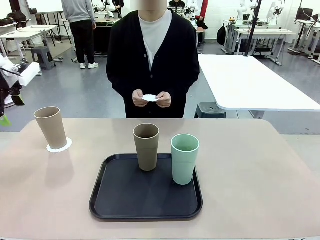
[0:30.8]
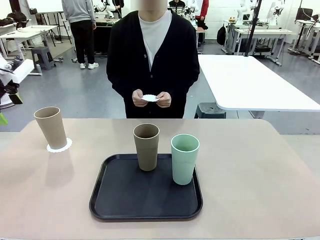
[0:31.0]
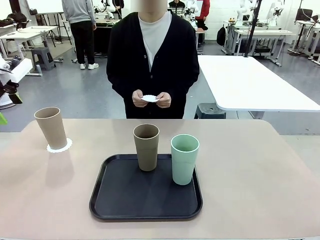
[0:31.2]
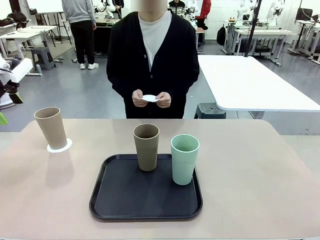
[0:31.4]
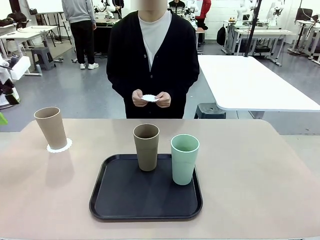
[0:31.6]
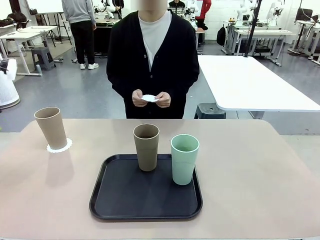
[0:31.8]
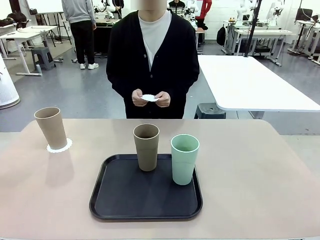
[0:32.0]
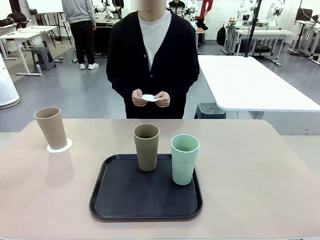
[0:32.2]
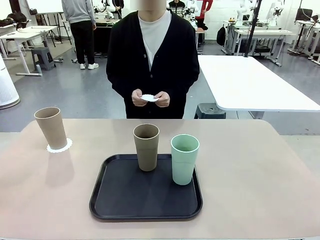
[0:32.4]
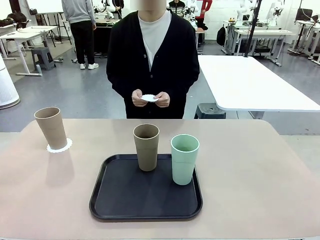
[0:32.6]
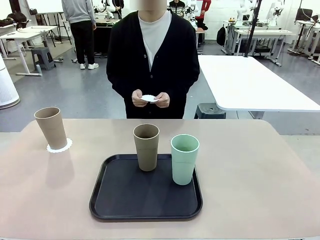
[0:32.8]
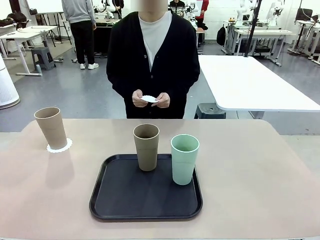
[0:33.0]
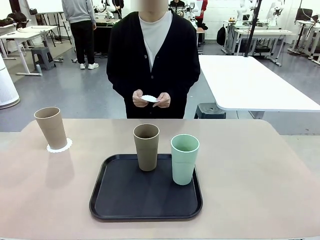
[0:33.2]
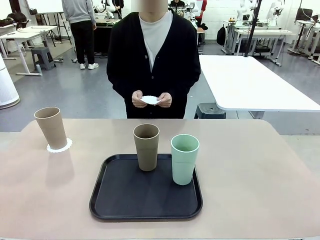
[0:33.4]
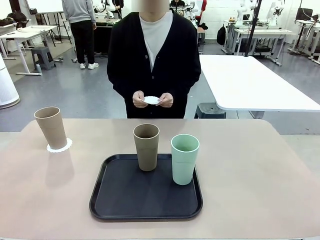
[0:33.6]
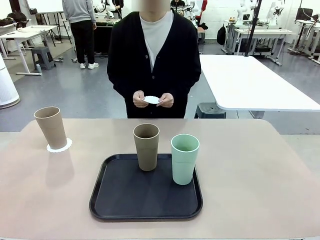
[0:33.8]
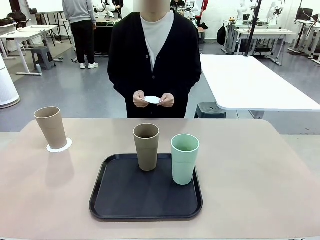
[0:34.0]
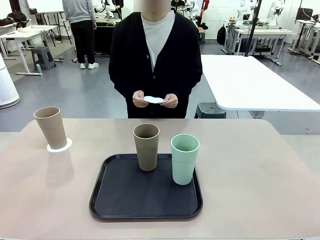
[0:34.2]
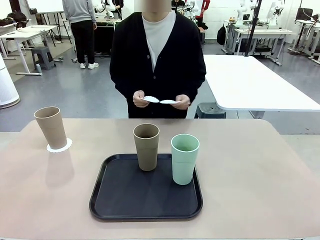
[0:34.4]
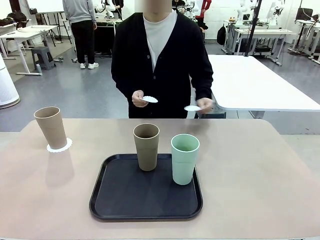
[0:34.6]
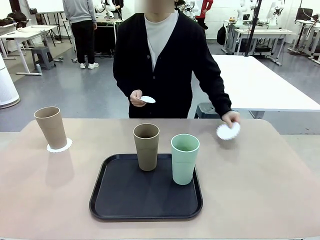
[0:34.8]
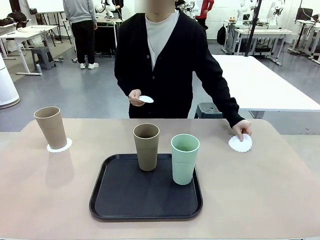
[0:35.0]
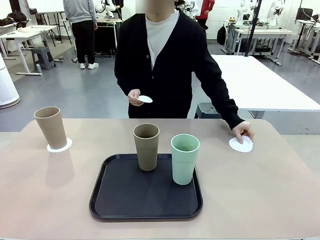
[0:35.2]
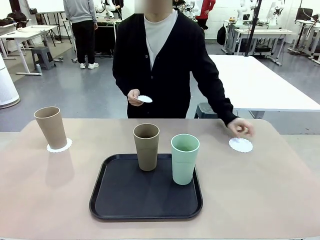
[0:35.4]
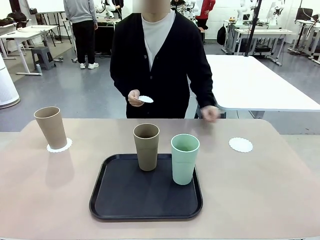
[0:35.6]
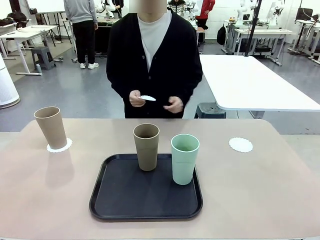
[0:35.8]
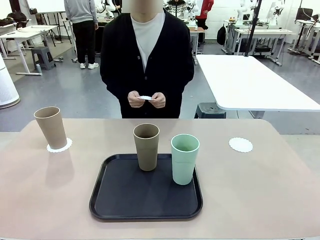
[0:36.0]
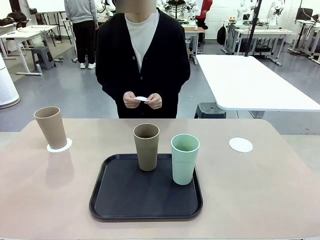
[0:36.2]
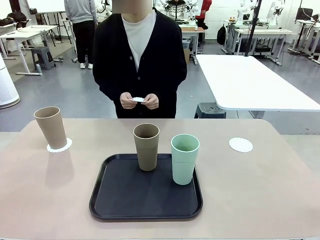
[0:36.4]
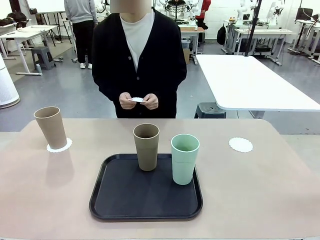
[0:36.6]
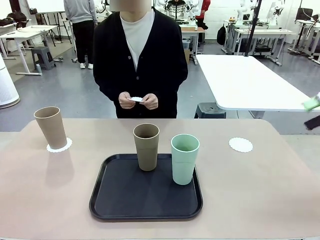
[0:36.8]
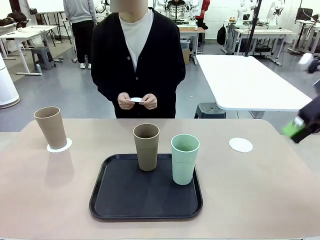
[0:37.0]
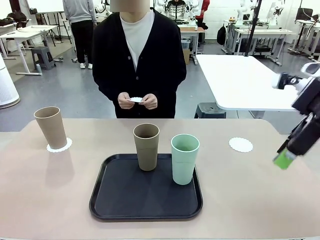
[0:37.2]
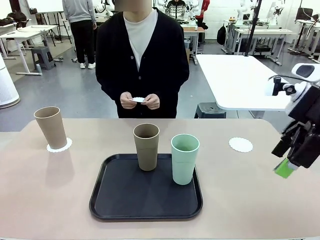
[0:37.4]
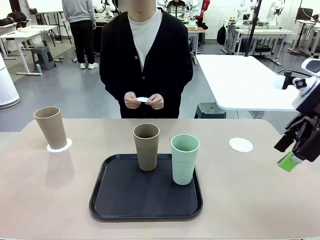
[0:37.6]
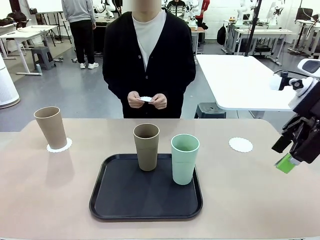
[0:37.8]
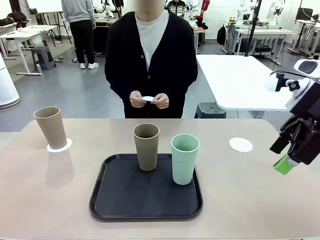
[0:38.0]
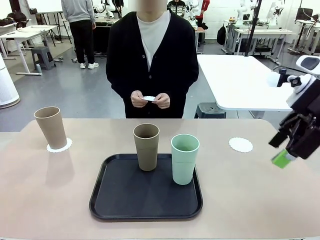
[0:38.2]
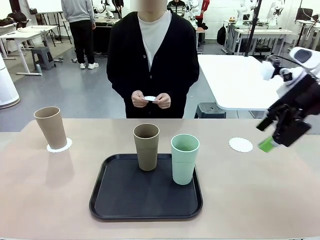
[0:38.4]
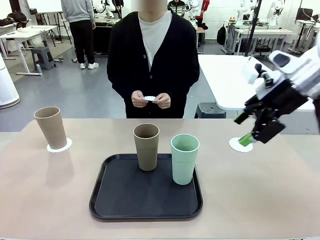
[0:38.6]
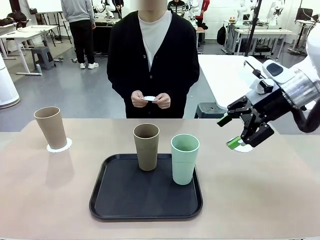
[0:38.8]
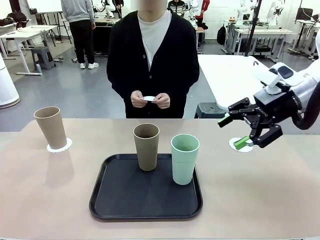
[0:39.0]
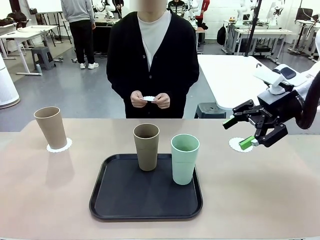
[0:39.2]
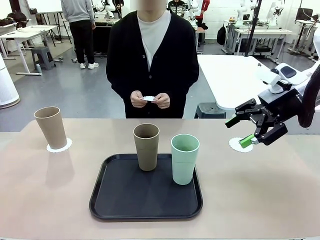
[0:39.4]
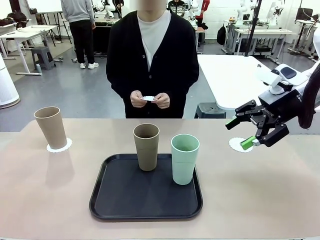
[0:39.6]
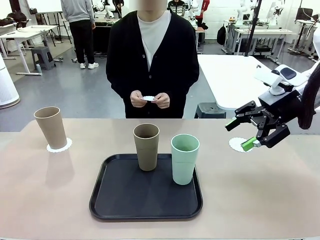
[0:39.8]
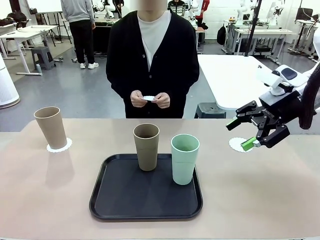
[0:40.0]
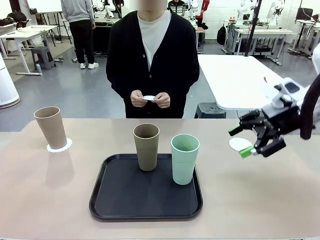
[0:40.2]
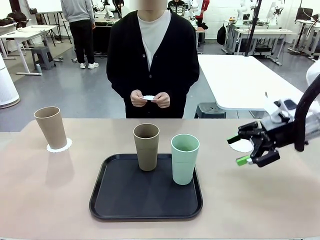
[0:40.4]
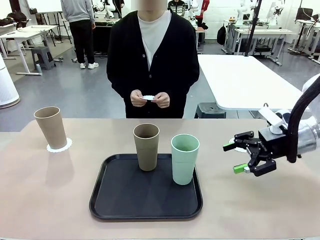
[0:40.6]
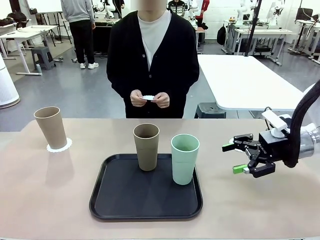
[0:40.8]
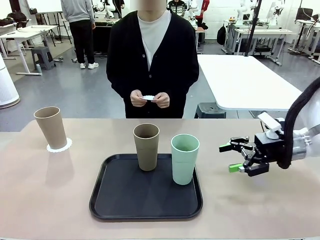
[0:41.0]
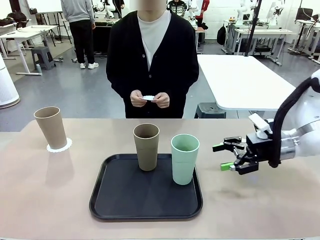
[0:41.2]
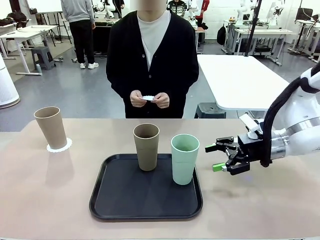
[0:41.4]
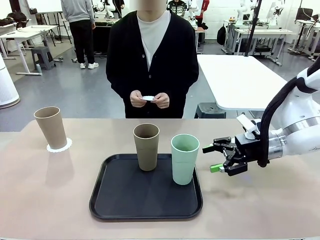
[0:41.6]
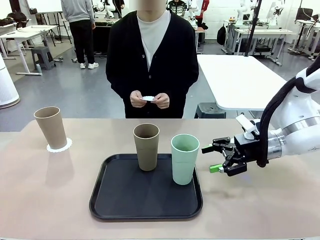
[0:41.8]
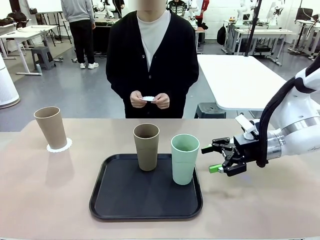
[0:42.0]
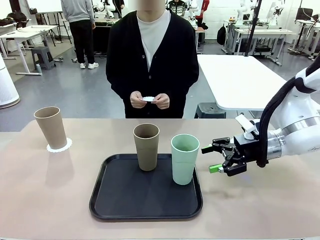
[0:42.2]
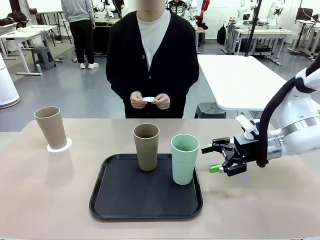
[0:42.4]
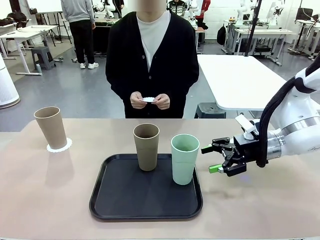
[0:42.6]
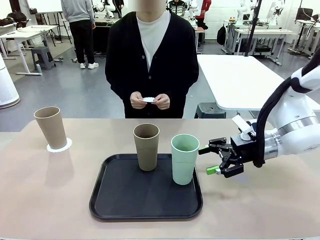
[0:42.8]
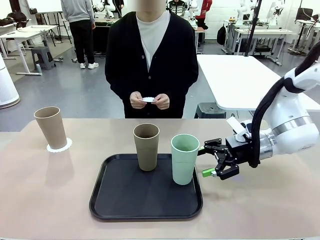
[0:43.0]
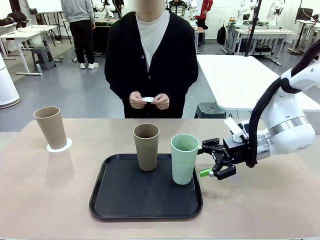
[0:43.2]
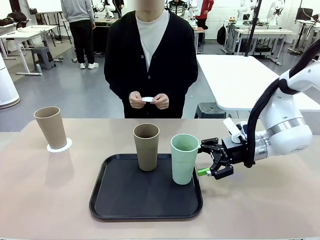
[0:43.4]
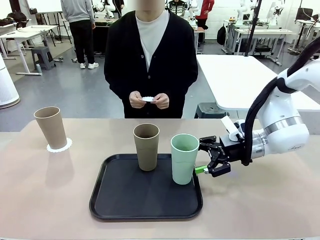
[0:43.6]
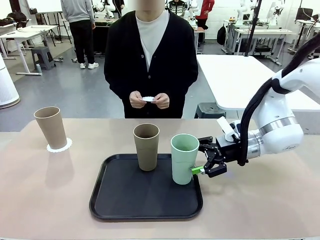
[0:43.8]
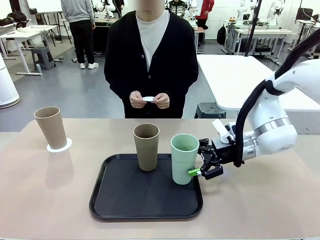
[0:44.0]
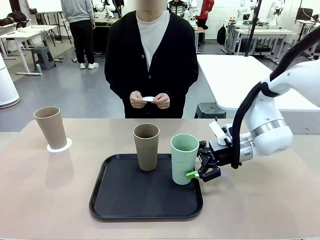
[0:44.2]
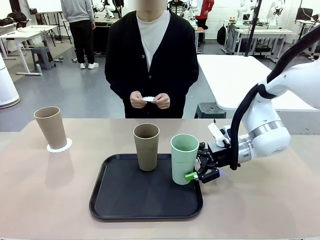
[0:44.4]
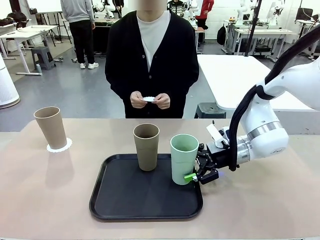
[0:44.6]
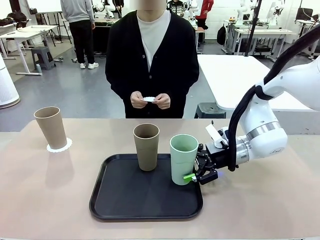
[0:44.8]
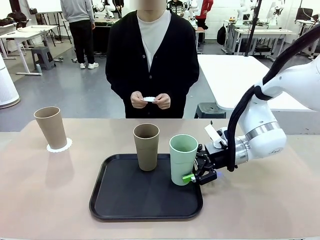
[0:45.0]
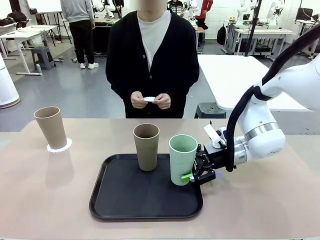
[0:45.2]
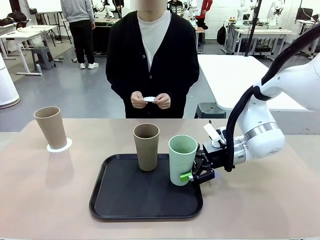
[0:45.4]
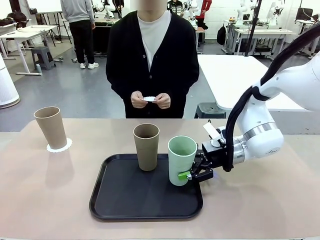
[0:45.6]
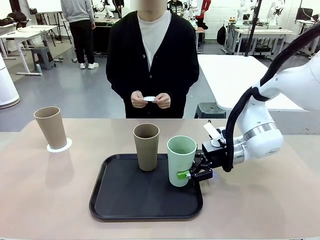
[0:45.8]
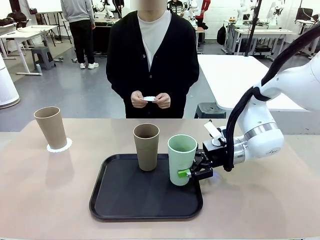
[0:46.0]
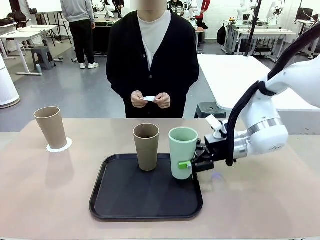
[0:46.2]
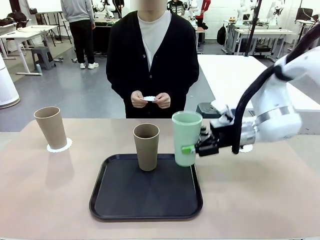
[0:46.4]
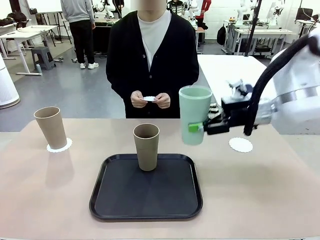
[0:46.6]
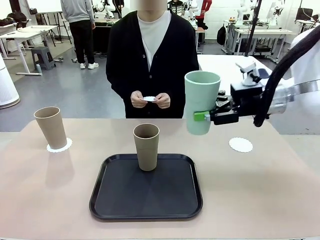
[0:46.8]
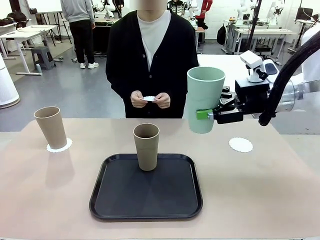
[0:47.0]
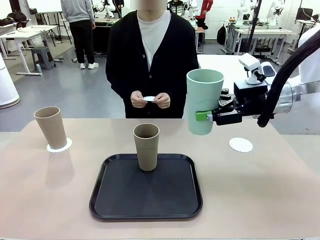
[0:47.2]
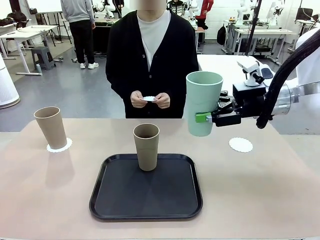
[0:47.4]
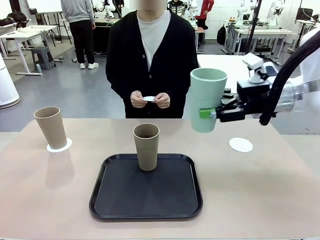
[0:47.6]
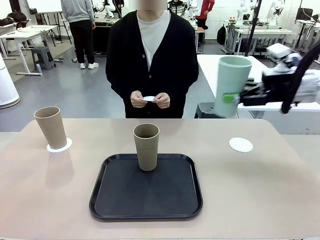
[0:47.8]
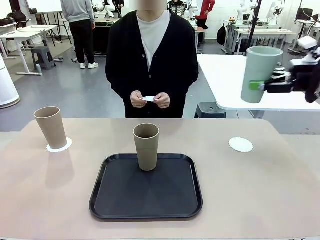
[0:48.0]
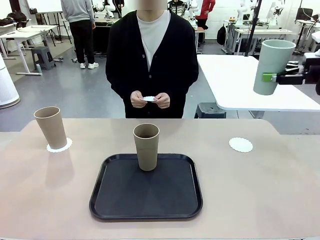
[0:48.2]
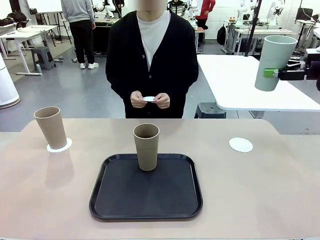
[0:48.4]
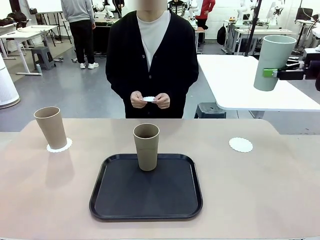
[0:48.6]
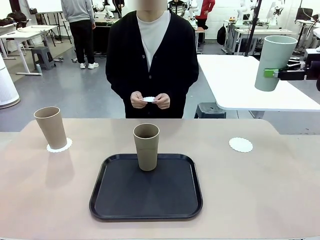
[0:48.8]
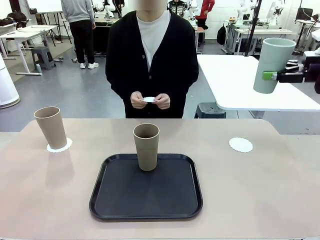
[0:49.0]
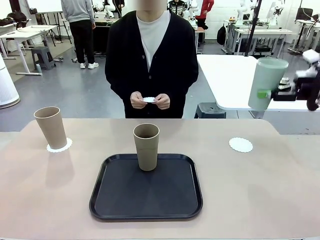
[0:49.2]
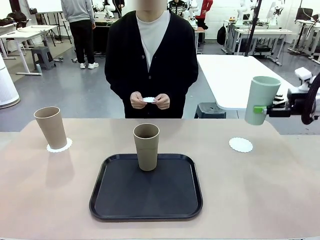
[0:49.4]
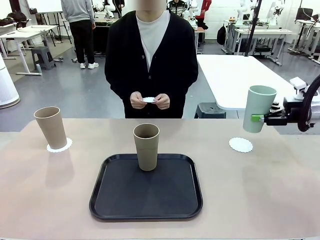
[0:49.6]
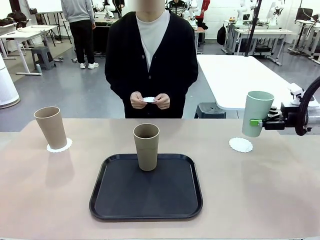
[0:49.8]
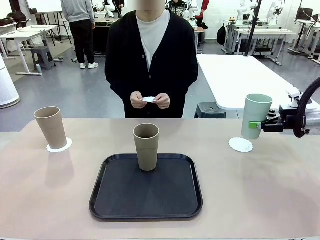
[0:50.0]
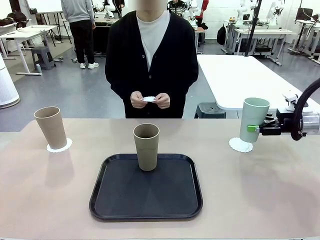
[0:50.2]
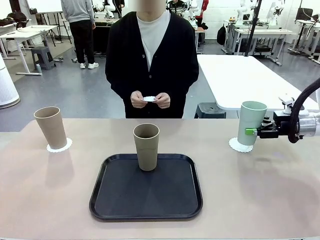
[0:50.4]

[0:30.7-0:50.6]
Task: Place coasters on the table and set cups on them.
Robot: Take one Reusable plastic cup from the Flat Tray and place it on a coaster set by the human.

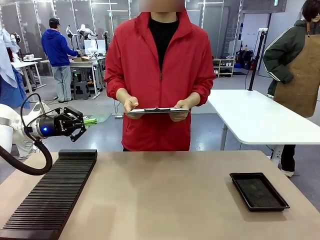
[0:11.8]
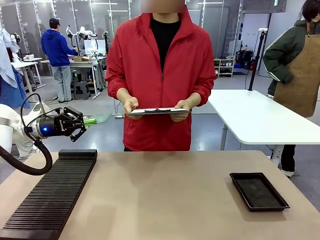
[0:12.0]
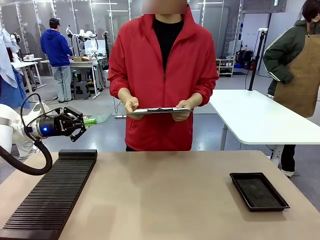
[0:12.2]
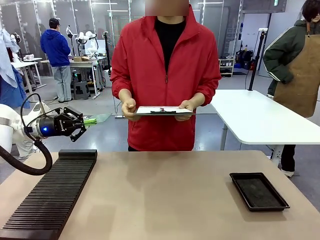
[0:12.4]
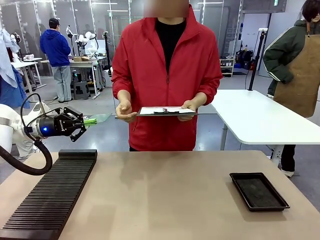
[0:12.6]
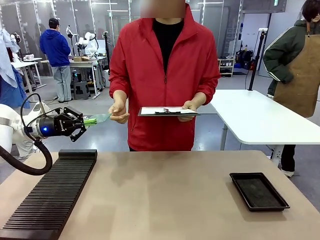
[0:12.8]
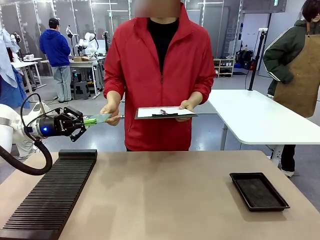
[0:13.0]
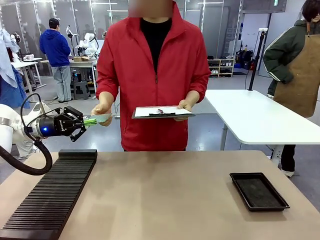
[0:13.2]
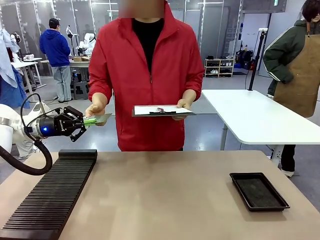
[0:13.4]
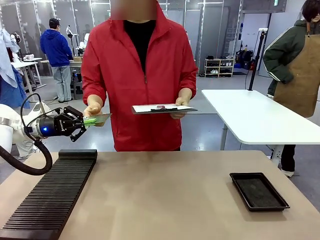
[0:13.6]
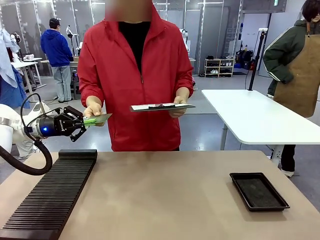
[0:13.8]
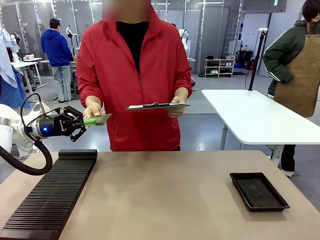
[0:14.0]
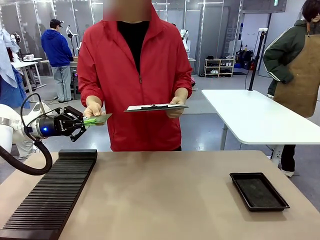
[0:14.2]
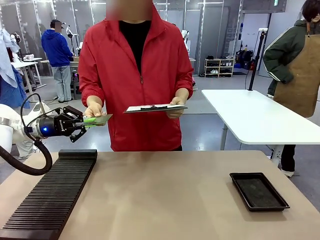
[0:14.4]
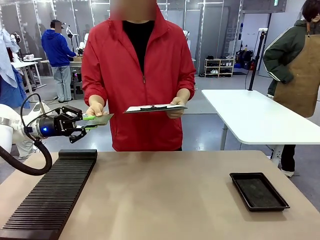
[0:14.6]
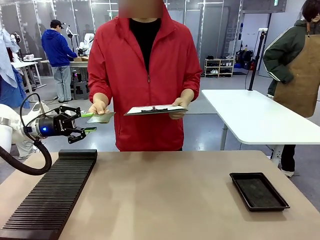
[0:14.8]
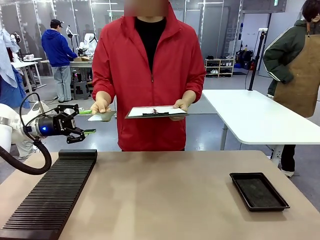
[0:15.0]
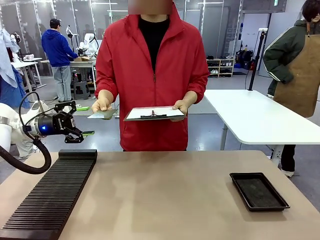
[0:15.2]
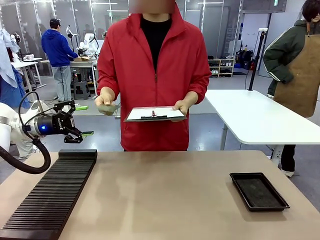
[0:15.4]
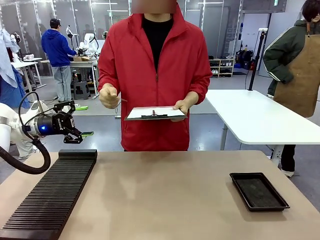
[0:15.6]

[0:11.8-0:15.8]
Task: Inspect the PCB.
Robot: Release the Blank PCB you were holding.
